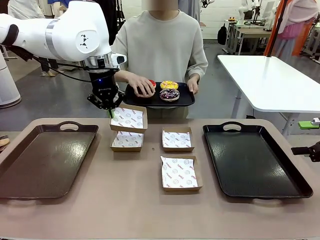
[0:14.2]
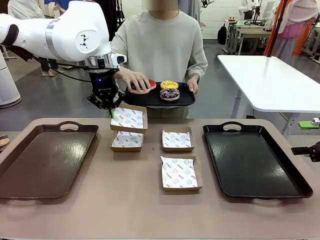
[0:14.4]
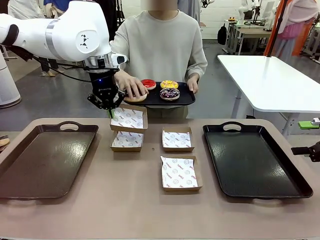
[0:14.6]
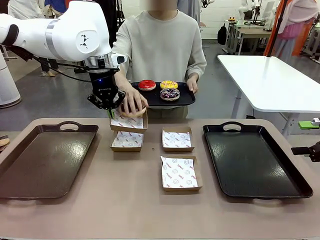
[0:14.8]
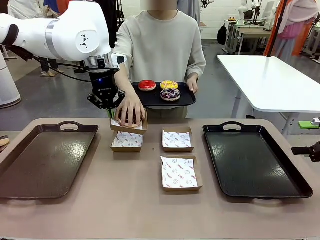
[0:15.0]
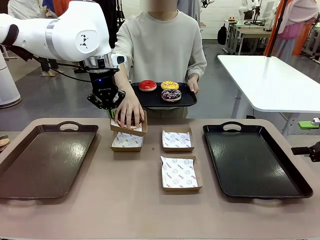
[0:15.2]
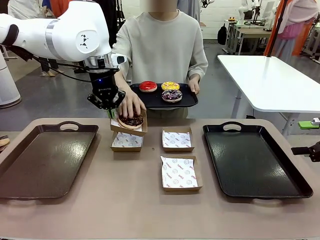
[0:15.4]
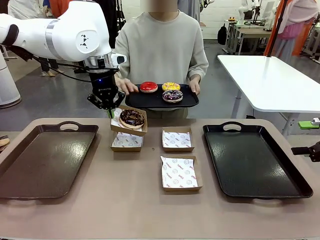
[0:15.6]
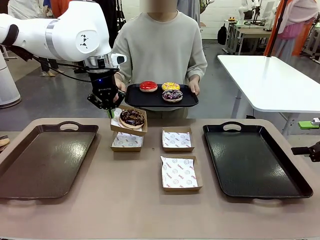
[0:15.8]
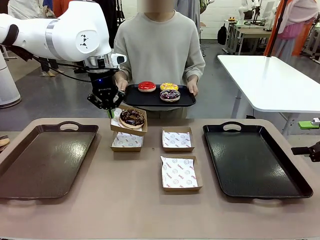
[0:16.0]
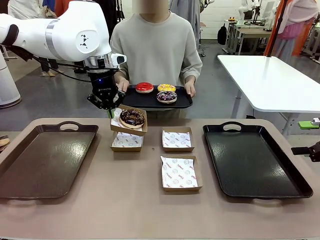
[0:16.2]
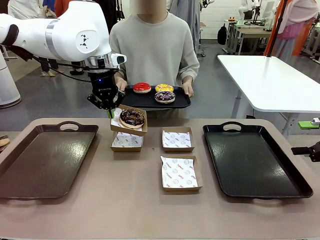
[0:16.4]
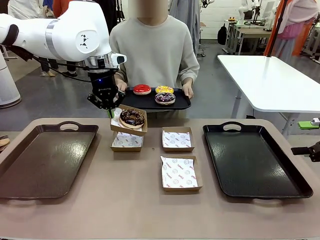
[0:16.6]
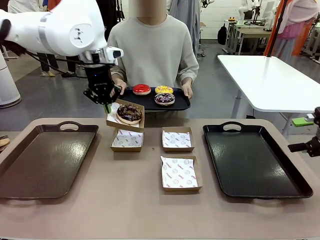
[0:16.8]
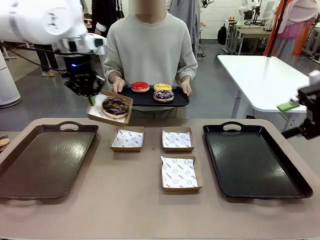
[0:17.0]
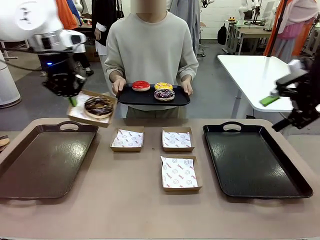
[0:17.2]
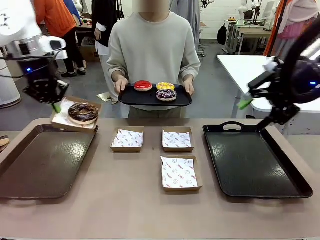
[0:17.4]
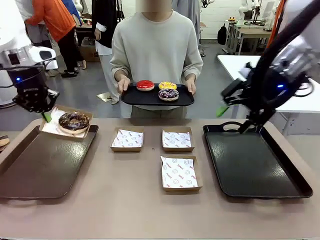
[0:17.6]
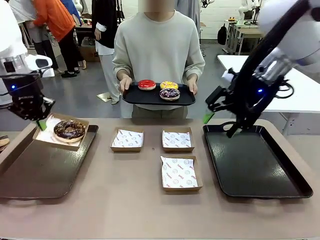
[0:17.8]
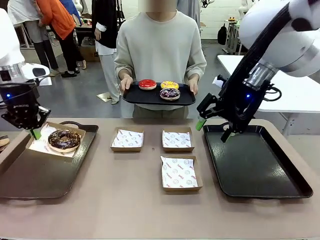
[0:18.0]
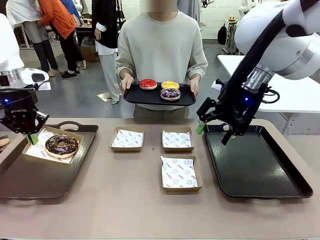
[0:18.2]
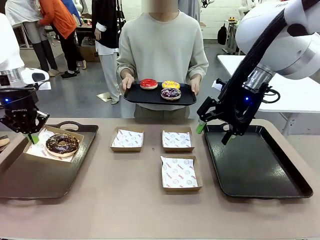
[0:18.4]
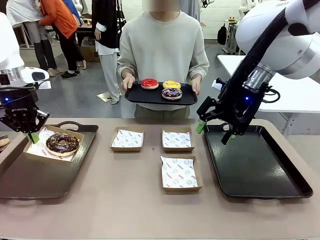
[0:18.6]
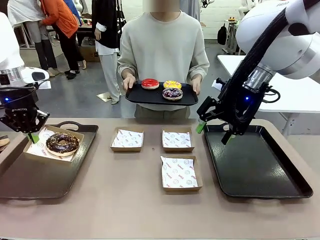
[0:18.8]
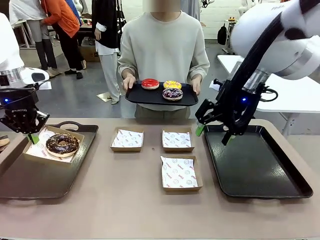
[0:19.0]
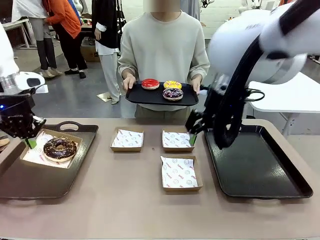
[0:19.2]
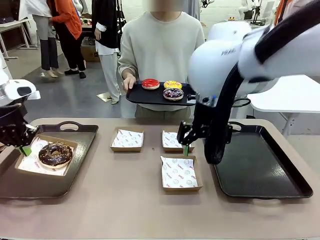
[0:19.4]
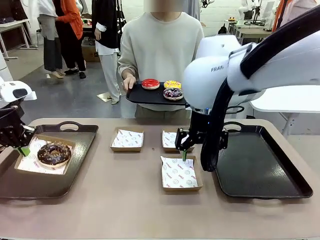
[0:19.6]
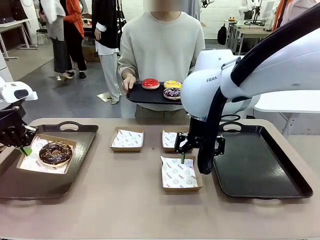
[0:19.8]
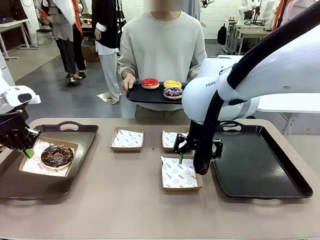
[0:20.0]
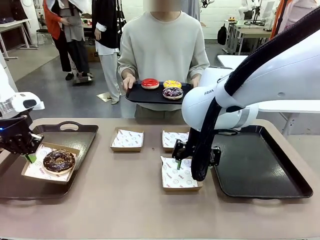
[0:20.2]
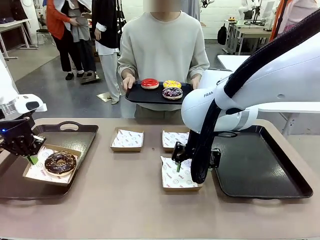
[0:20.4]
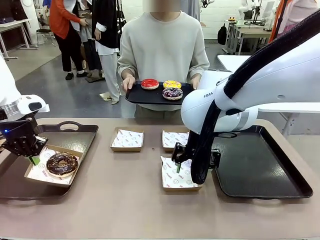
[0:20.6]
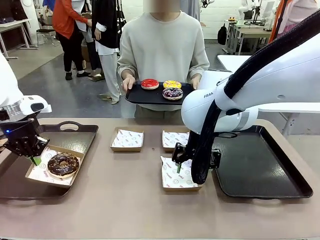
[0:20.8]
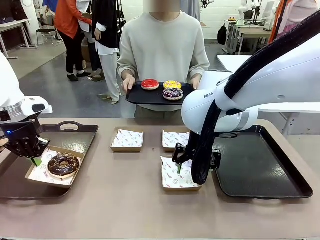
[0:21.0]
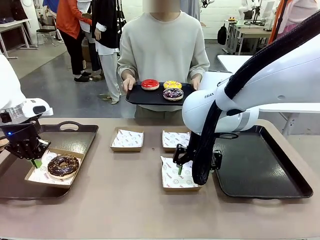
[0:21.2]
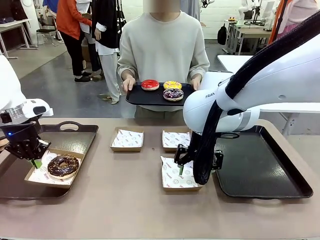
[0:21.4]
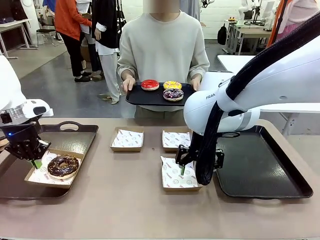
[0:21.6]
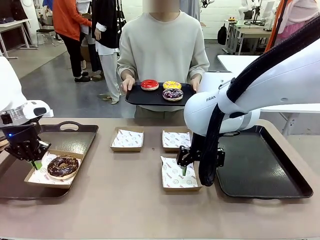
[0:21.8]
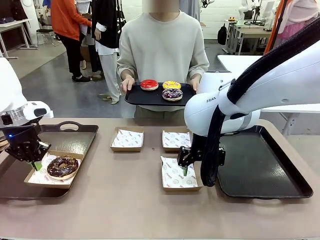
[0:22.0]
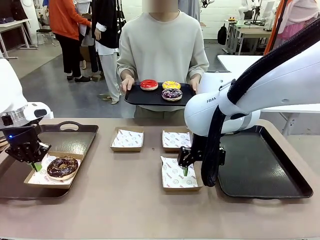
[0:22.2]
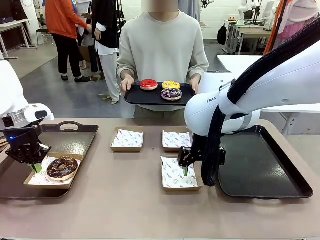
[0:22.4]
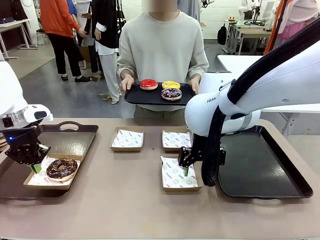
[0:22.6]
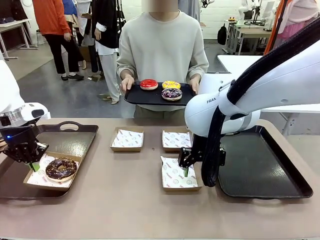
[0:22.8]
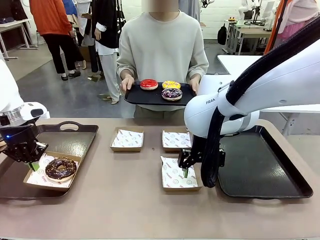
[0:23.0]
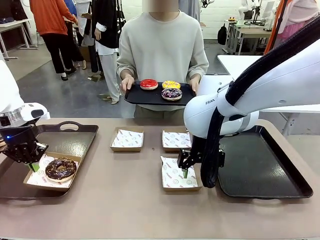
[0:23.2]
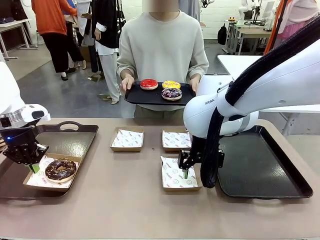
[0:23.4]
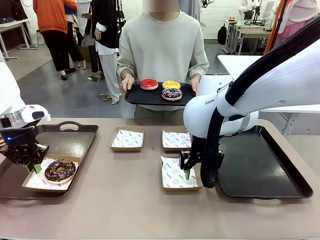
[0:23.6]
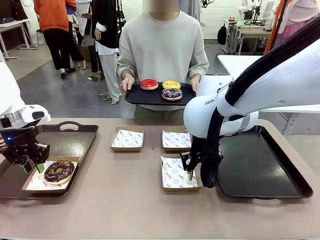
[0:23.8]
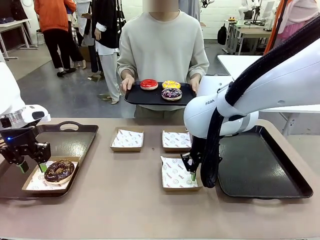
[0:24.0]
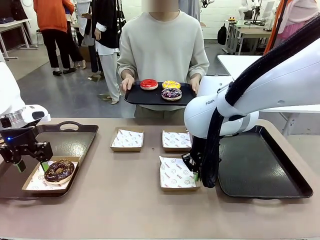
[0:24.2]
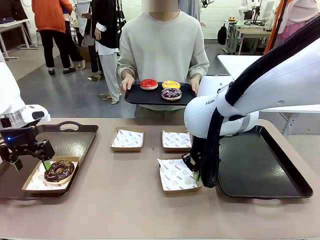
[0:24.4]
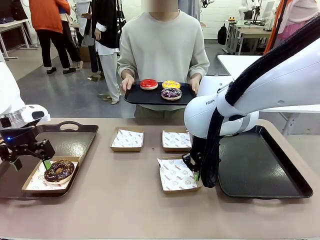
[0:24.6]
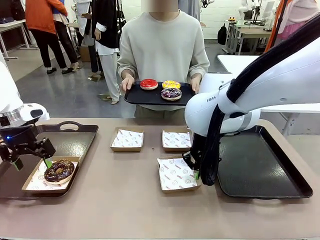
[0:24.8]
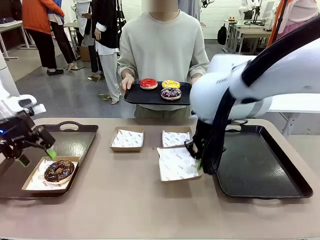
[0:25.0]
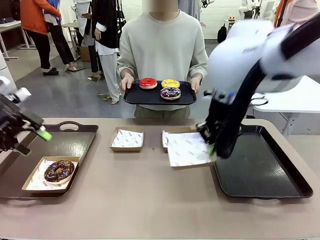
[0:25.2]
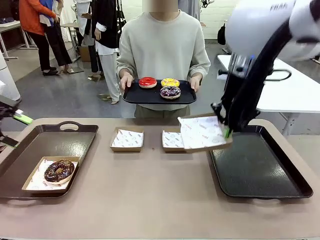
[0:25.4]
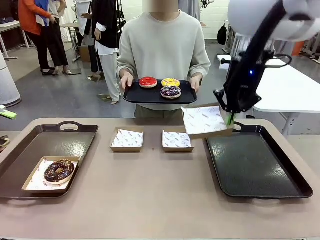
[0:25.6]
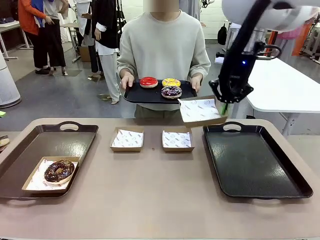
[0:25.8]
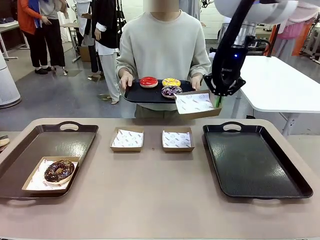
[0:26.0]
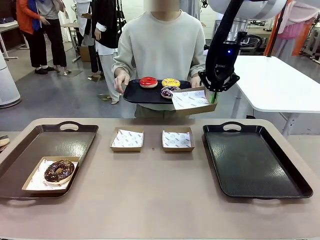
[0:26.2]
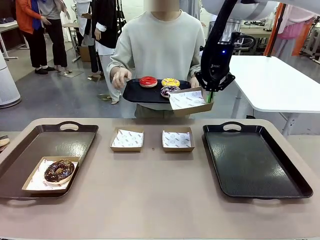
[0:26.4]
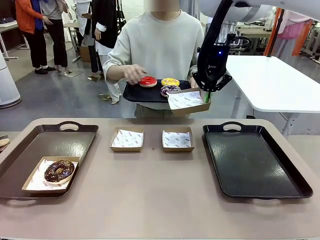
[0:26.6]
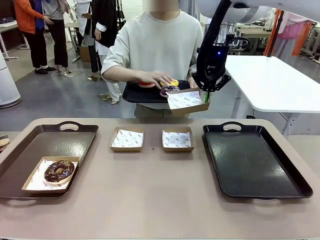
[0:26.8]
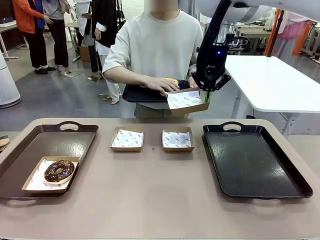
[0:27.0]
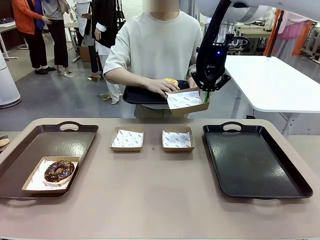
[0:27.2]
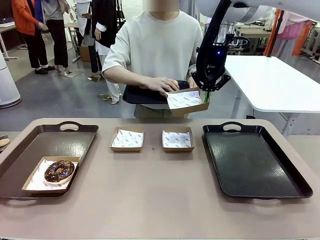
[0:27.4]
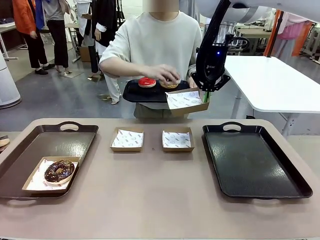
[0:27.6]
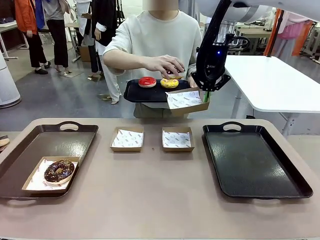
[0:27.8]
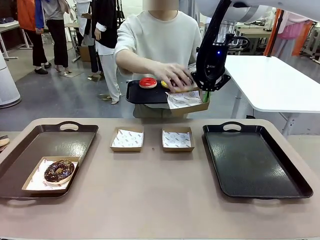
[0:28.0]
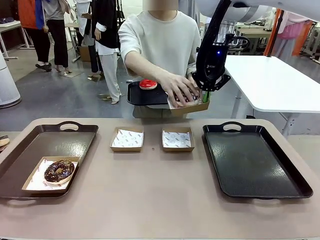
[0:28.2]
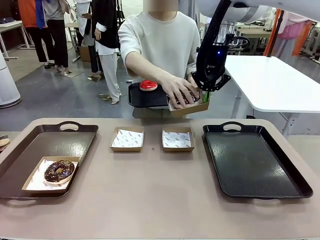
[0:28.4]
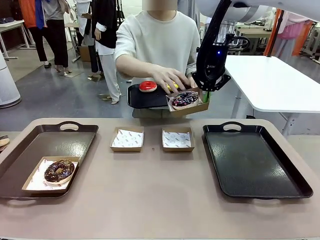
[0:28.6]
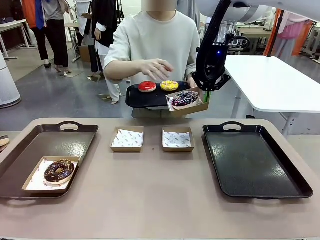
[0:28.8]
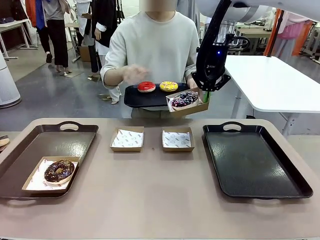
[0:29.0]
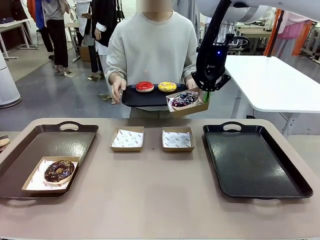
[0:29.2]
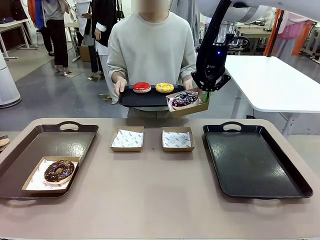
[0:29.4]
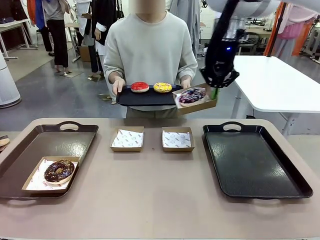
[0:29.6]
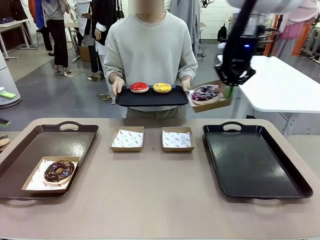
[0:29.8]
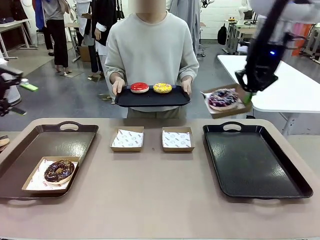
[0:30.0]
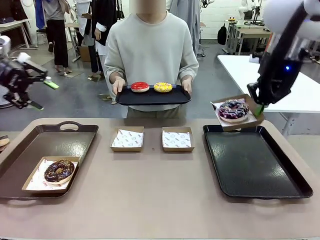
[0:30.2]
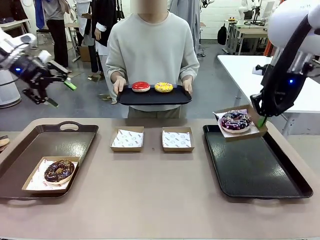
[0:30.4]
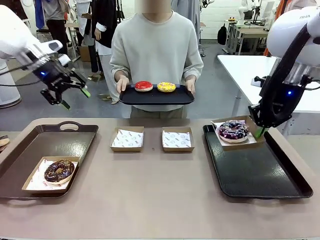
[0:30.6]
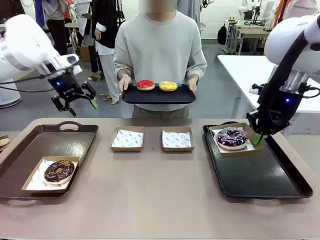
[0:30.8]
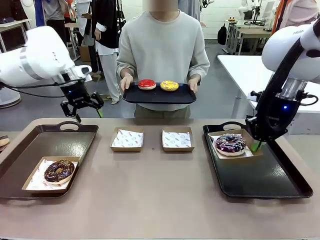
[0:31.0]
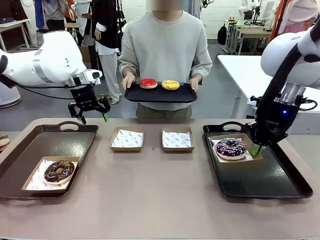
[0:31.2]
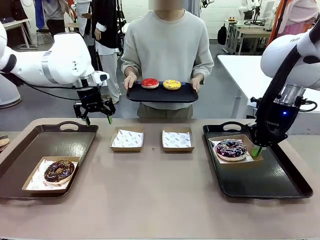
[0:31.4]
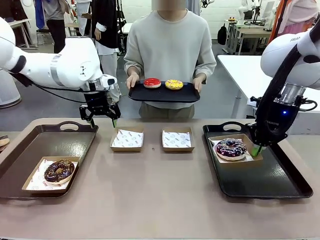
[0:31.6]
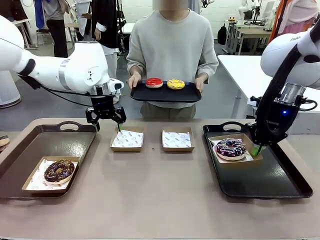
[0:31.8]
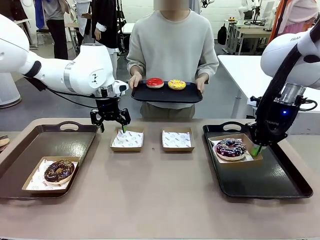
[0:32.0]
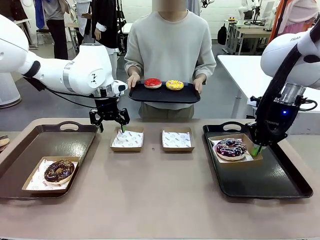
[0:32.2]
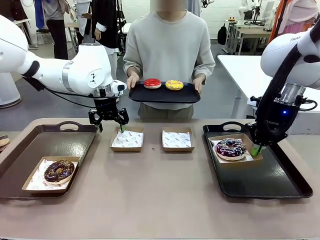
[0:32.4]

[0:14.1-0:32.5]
Task: Individually package the donuts and arrange them on the tray.
Robot: Place the picked Paper togo box on the Handle tray while simultaneously picking up another Paper togo box from the table with the other hand.
